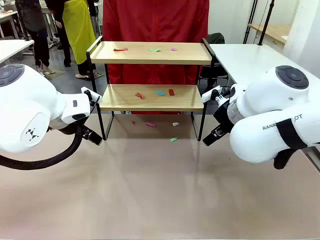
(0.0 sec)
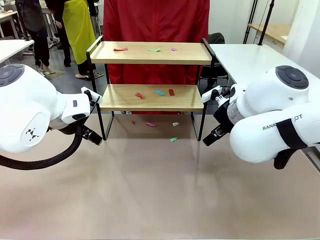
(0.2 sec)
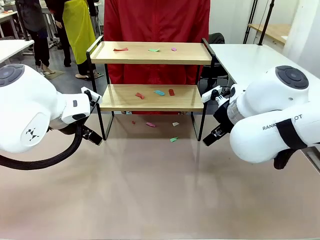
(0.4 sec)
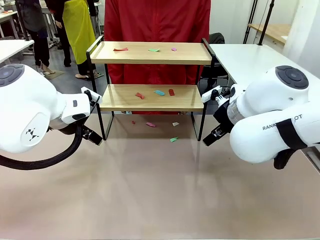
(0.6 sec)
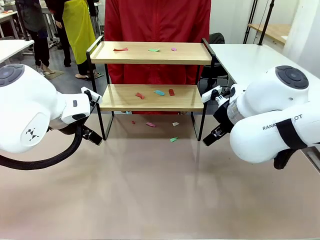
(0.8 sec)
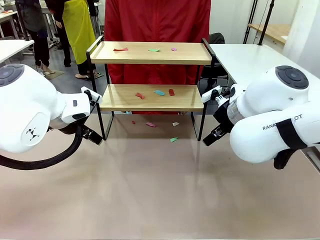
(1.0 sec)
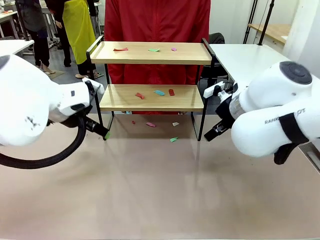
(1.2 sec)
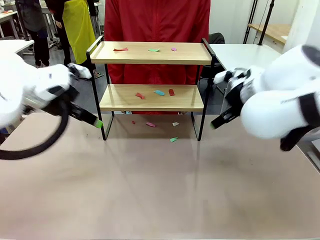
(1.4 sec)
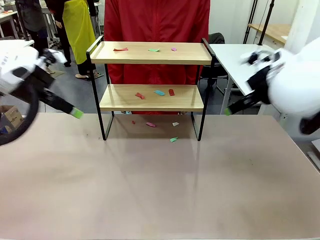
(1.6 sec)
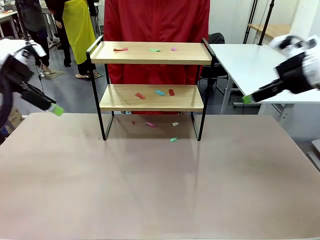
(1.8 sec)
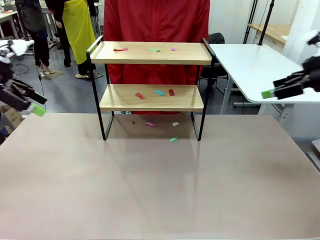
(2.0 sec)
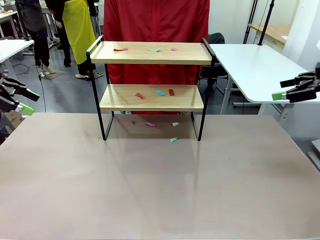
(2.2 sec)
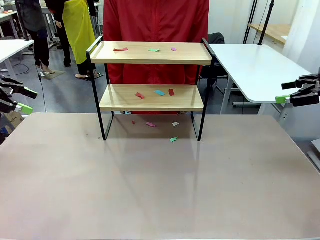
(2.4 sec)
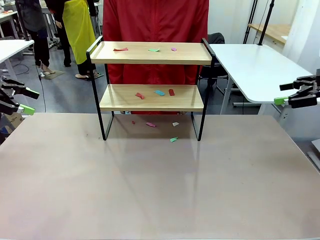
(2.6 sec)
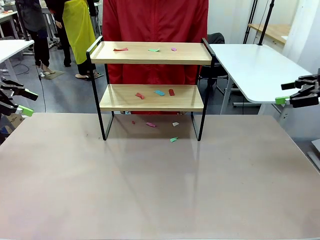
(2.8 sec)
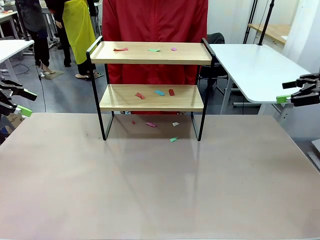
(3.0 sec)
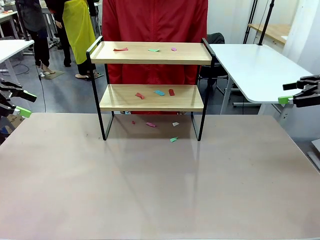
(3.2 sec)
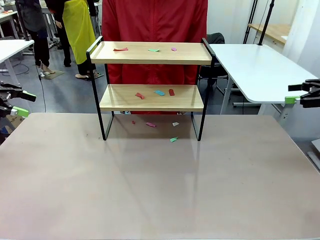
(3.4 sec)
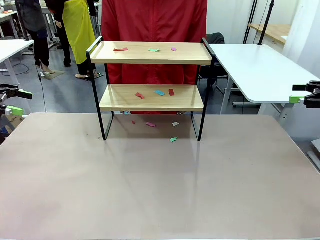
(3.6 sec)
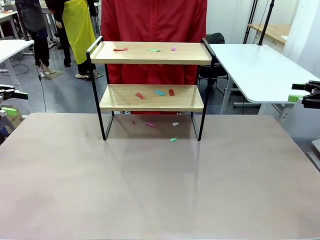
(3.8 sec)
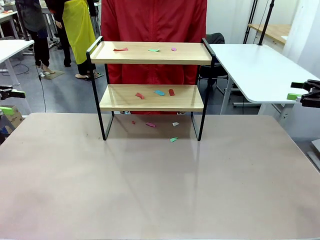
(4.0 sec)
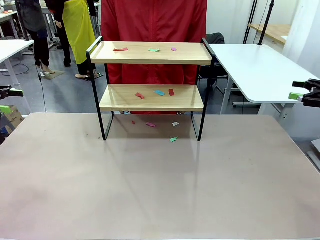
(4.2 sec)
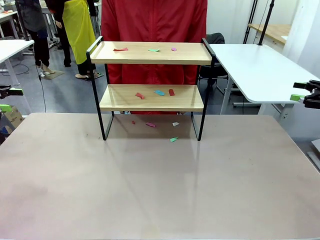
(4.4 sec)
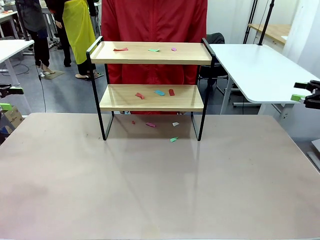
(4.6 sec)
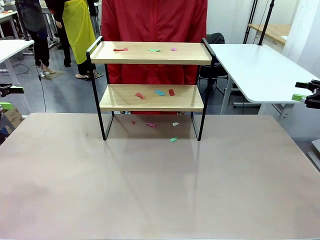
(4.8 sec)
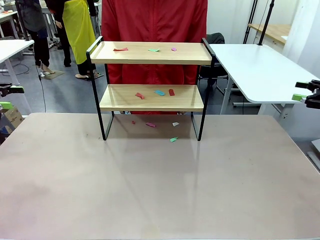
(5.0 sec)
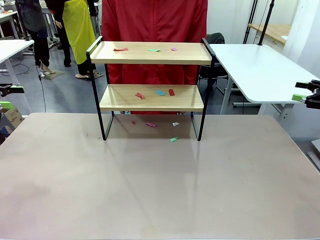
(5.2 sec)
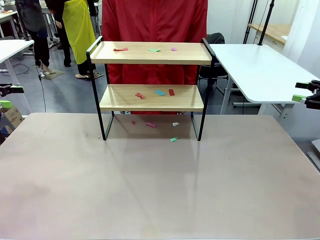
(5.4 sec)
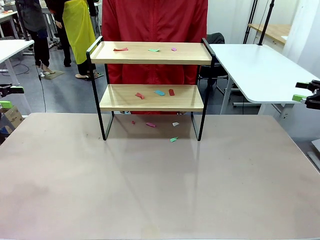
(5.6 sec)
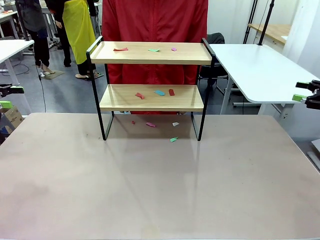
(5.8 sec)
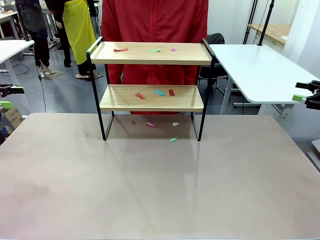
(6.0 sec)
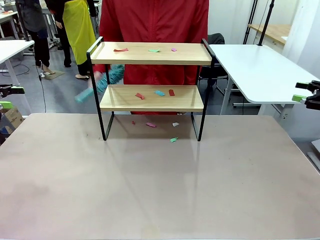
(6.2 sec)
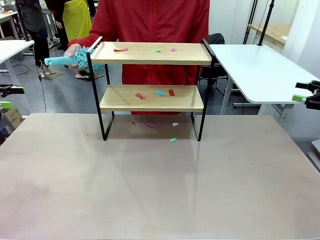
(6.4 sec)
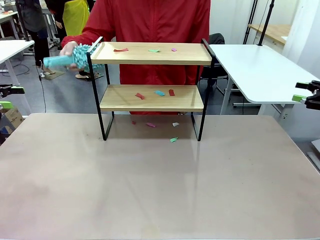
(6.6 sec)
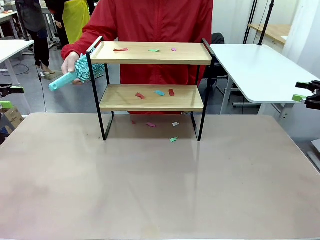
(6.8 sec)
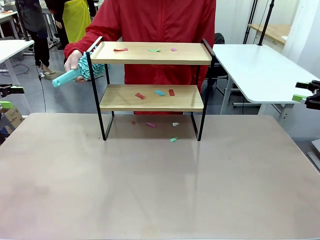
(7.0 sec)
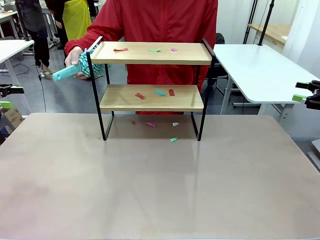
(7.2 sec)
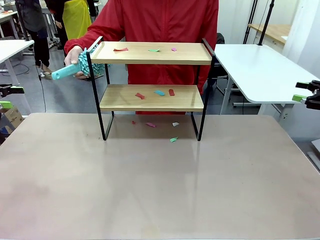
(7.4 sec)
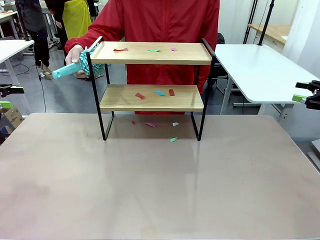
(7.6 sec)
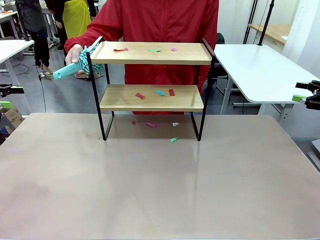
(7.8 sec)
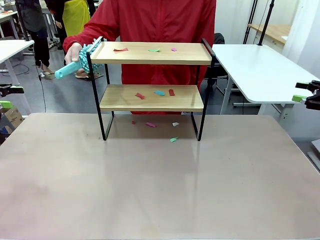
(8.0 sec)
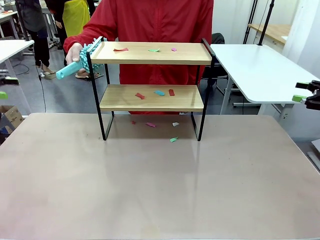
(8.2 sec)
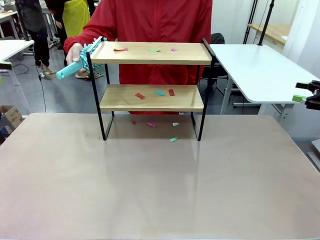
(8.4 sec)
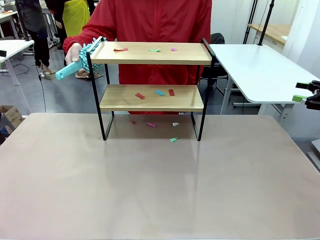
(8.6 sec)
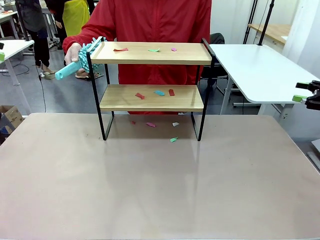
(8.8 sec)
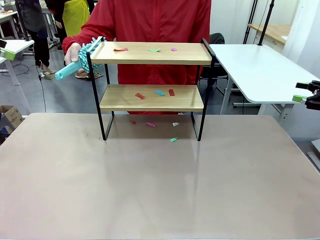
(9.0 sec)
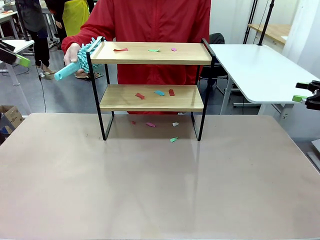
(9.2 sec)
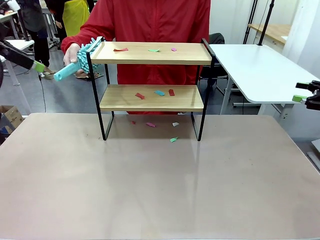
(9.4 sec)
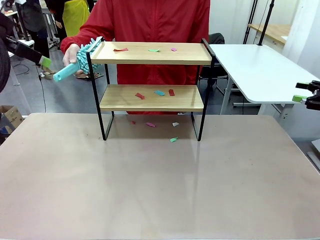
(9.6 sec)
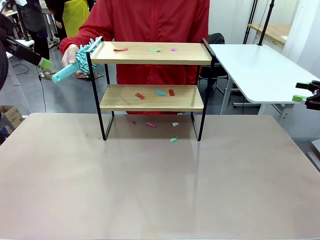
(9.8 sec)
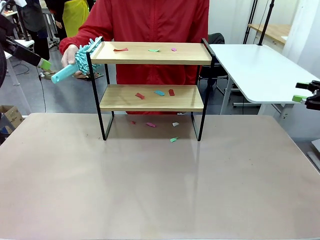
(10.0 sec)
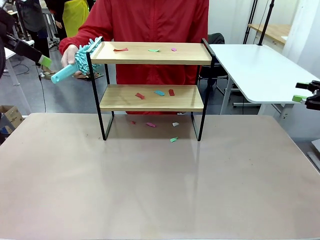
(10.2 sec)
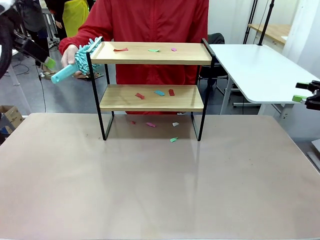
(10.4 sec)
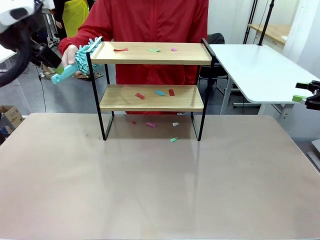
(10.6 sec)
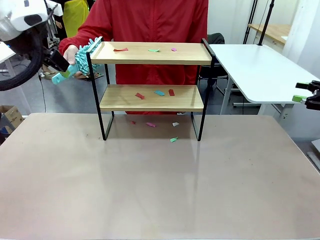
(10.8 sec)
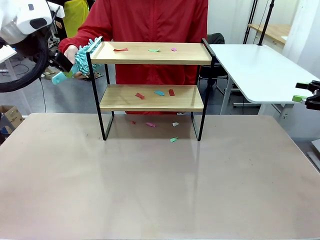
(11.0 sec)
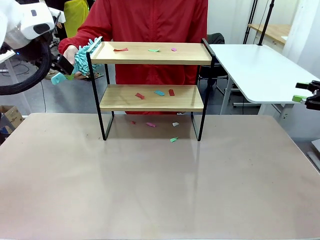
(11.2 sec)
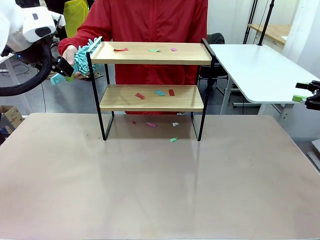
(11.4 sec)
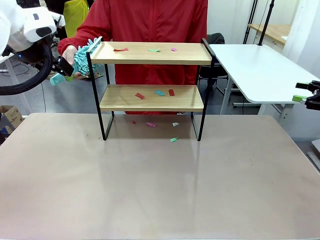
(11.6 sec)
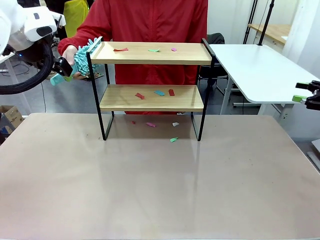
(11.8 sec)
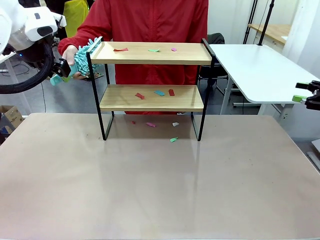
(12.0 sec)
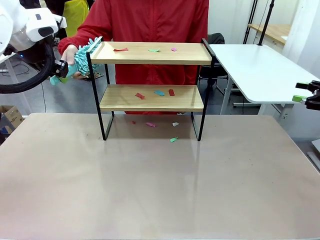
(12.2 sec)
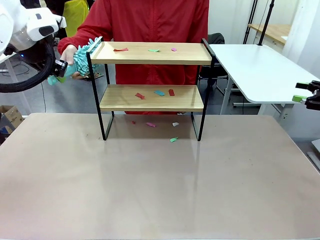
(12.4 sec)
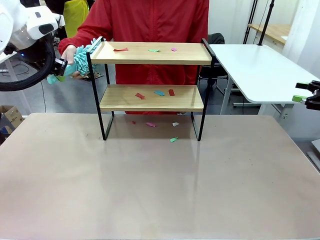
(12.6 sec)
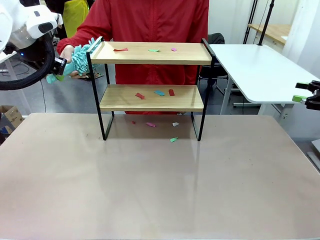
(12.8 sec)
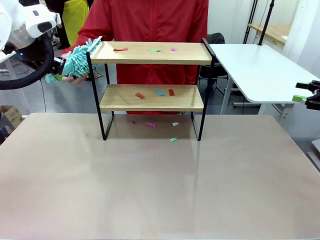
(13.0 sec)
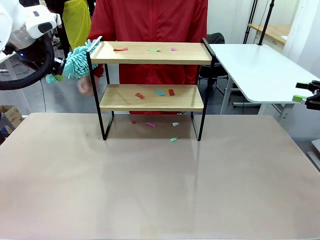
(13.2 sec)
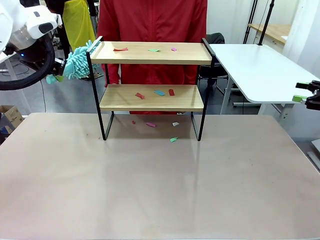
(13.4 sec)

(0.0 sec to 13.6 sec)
Task: Clean the shelf.
Robot: Pick up the Duster handed by the human.
Person: Hand the Duster to the robot.
